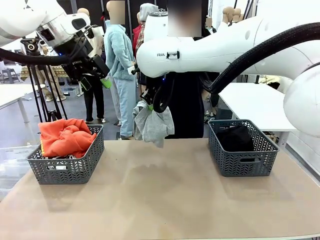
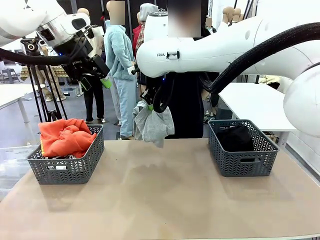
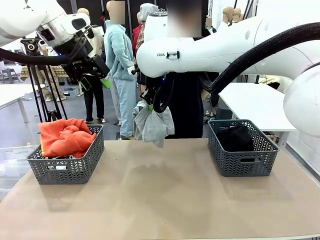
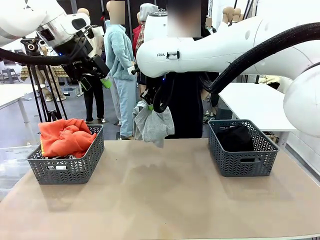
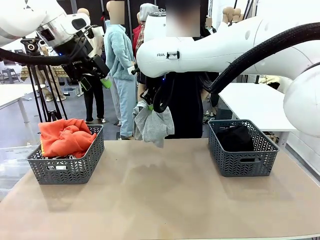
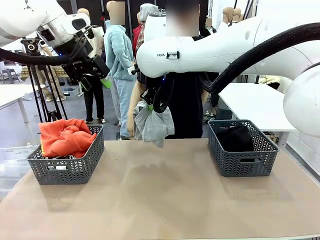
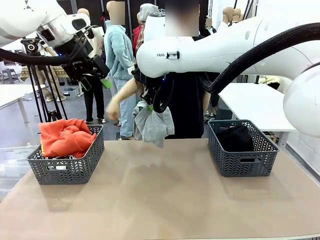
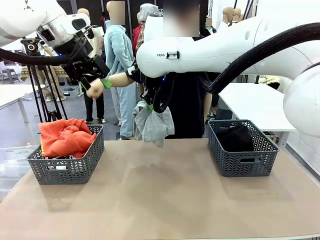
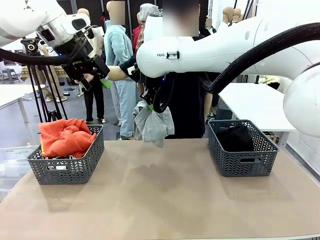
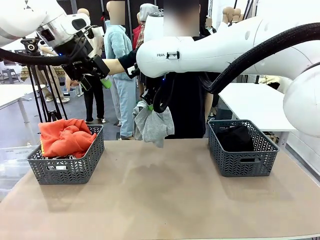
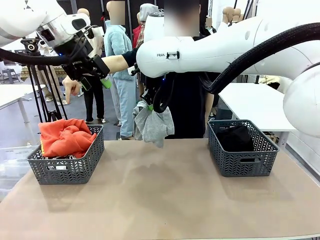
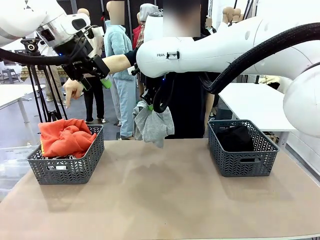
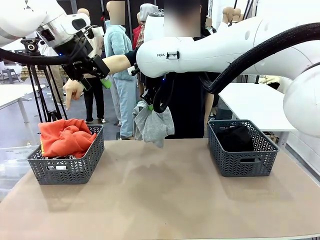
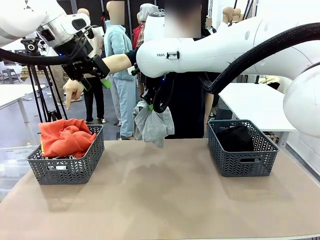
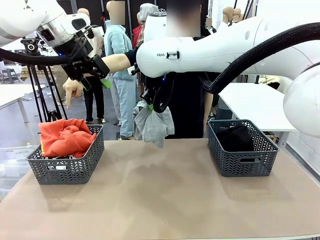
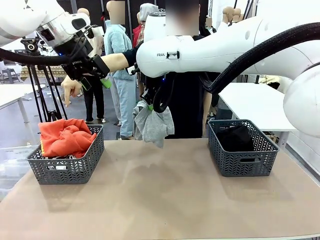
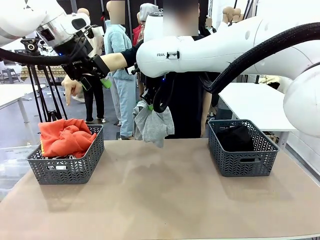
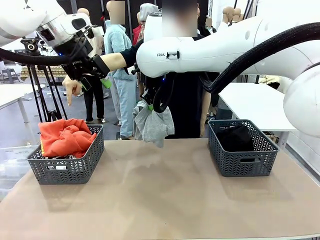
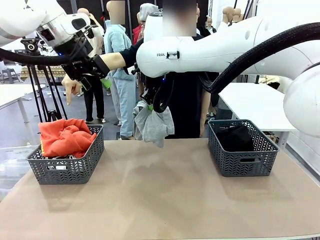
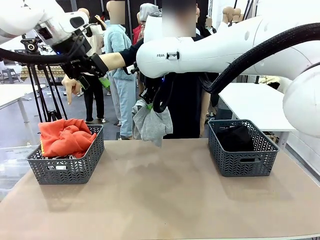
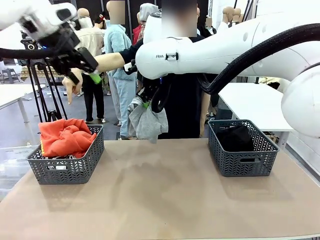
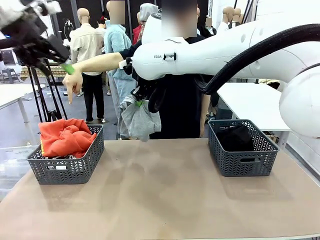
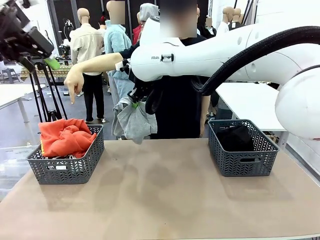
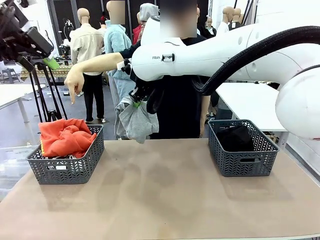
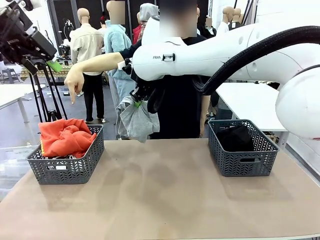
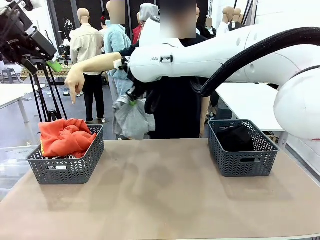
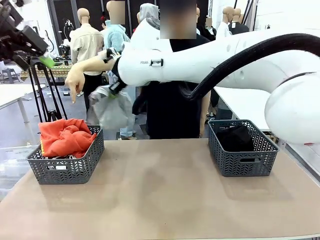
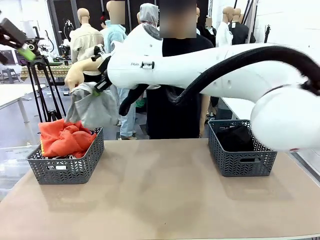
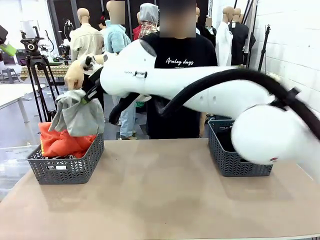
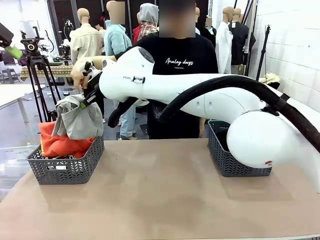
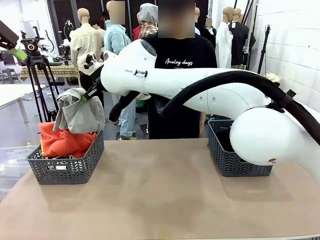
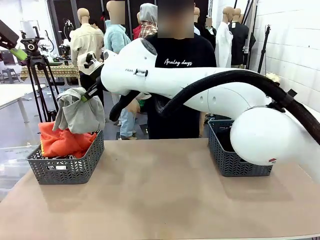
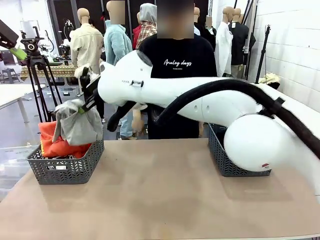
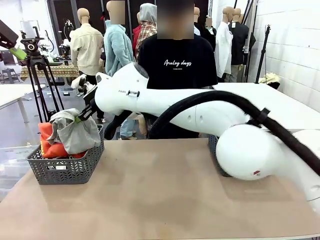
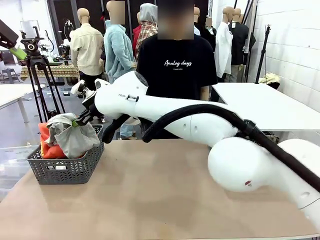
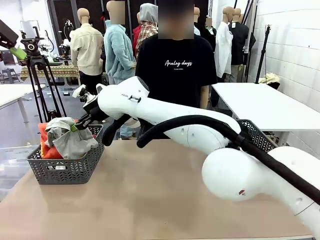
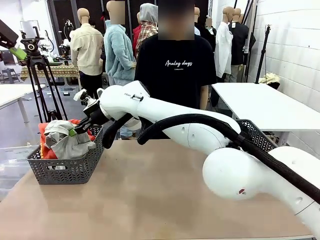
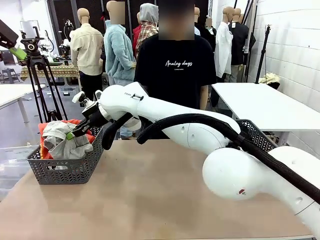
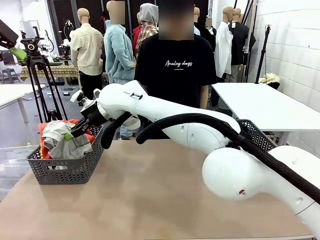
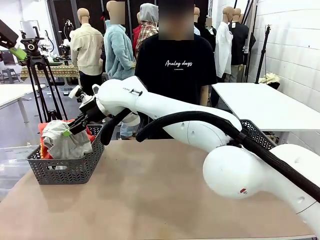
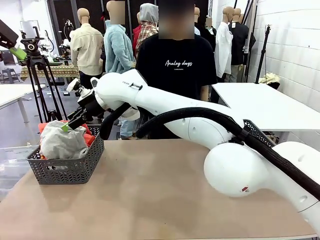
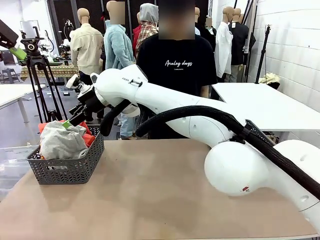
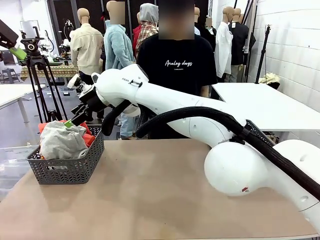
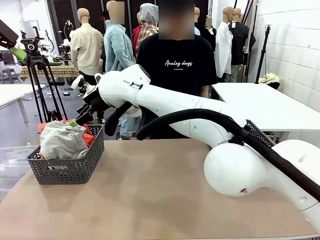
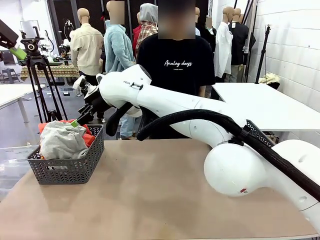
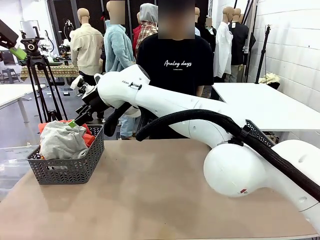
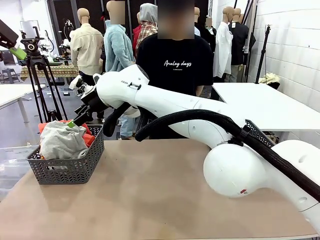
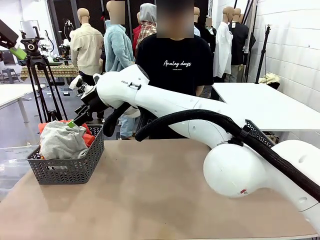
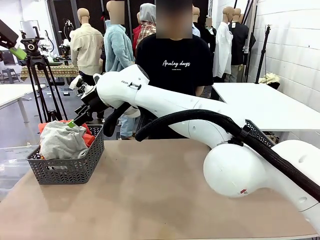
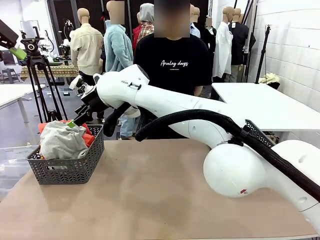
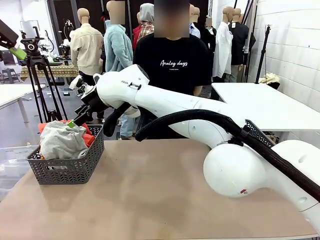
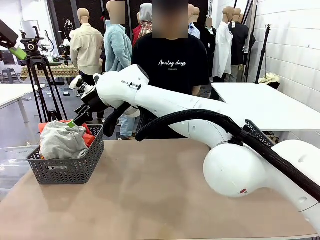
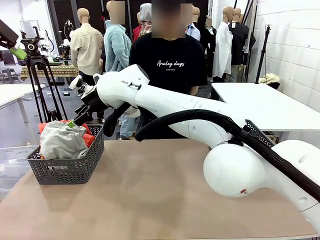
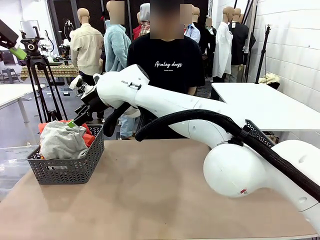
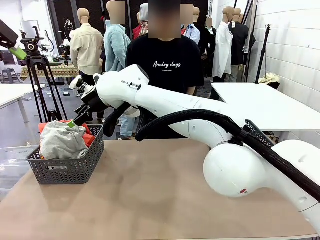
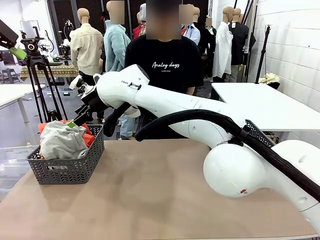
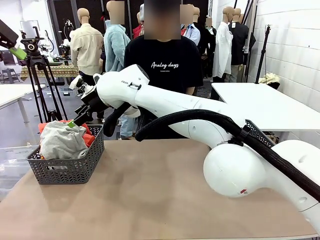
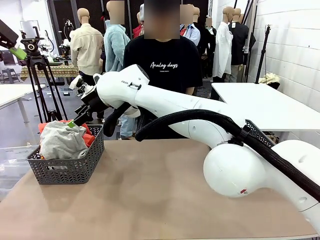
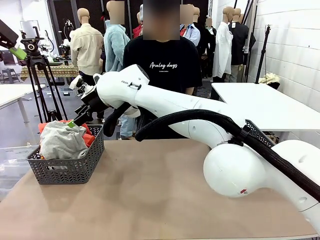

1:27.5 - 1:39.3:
Task: Sort the tops and bottoms.
Robot: Sort the clothes according to human instructions.

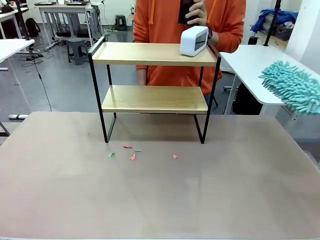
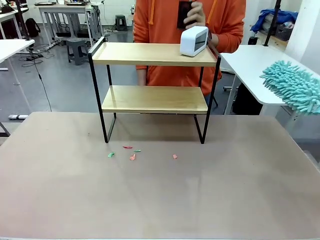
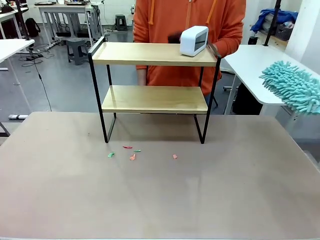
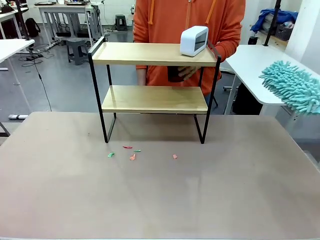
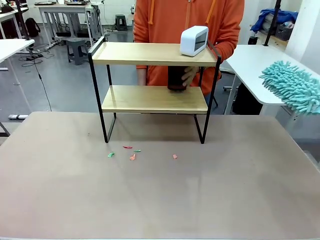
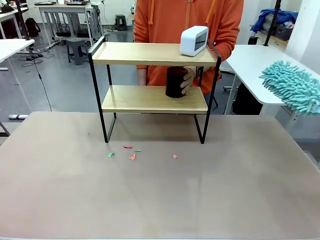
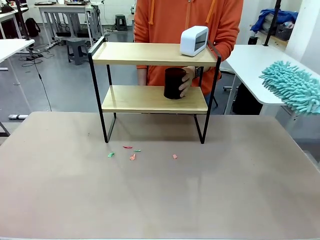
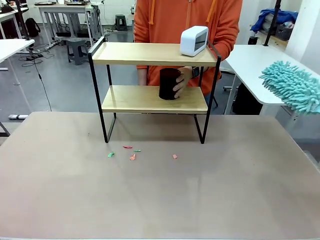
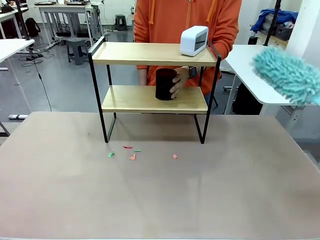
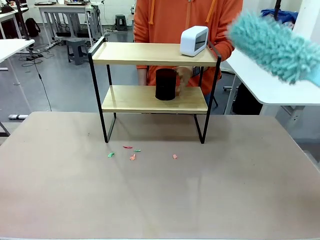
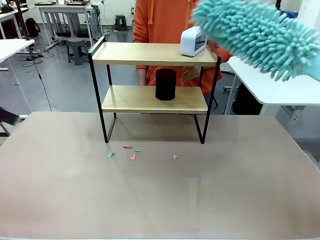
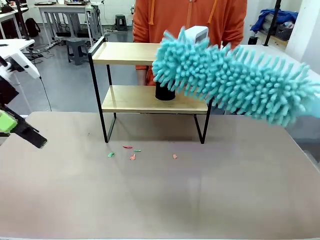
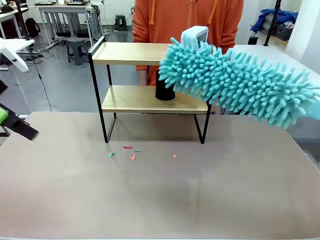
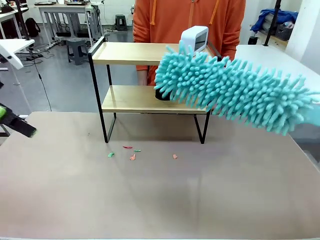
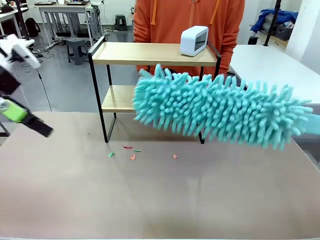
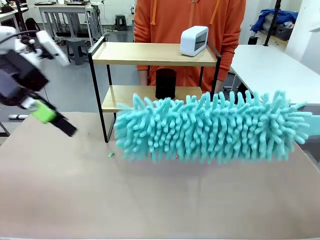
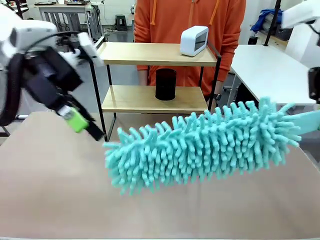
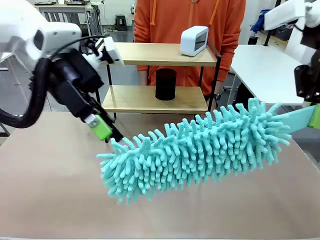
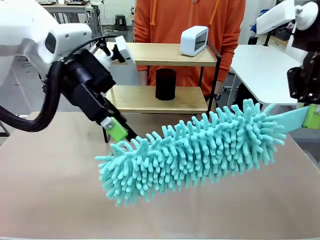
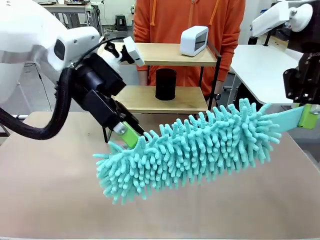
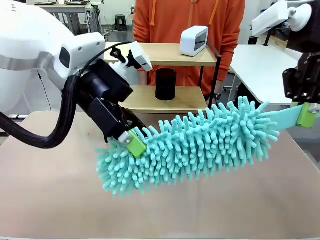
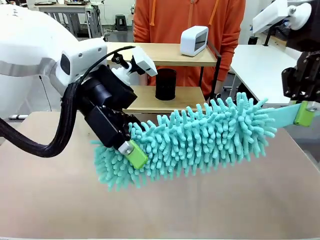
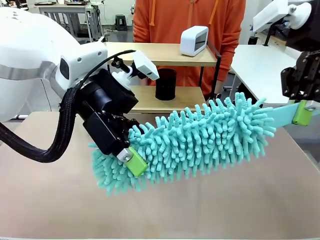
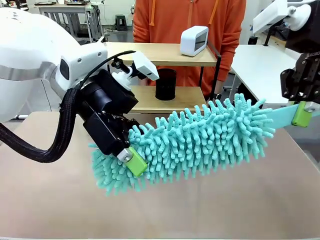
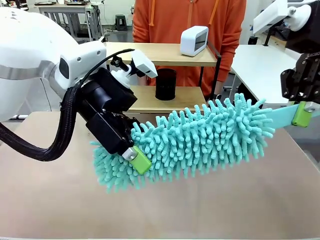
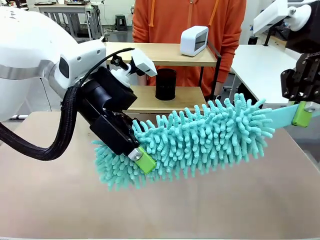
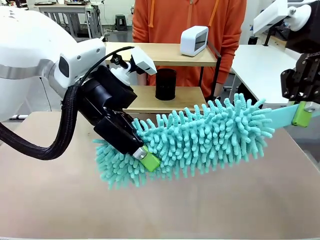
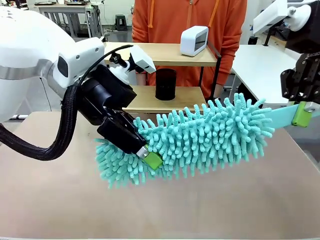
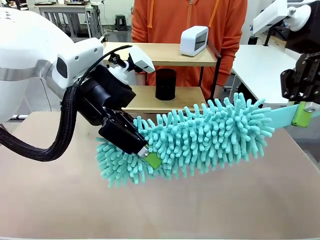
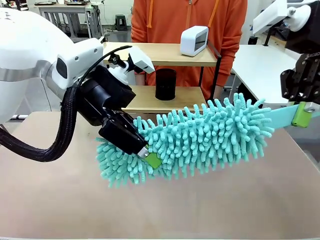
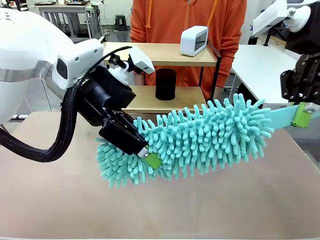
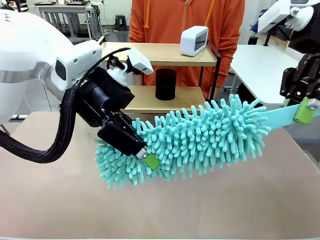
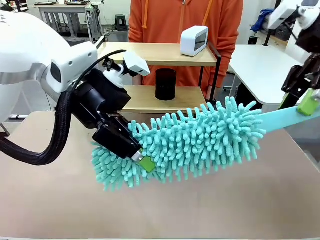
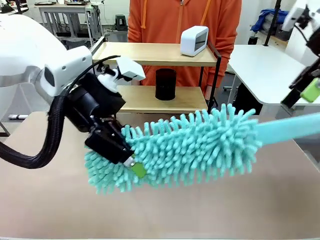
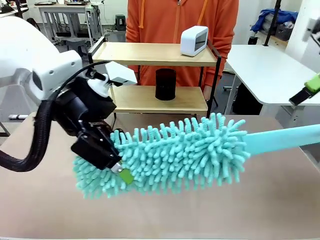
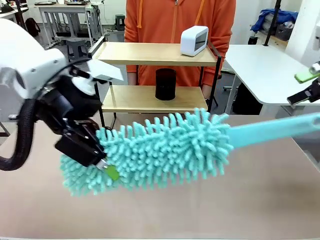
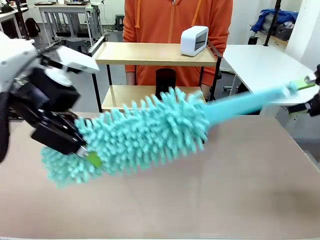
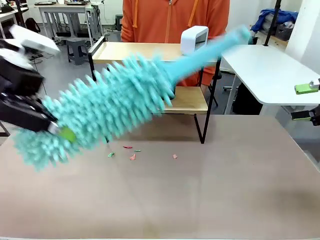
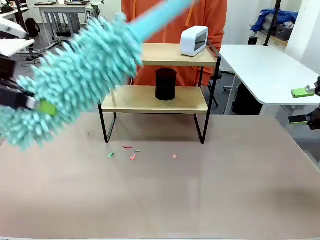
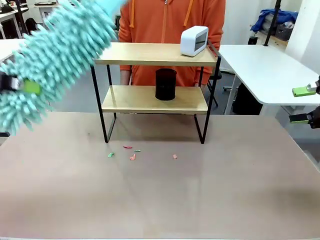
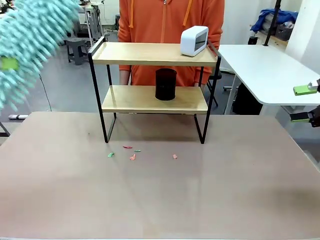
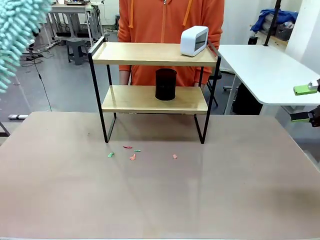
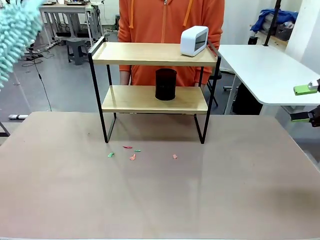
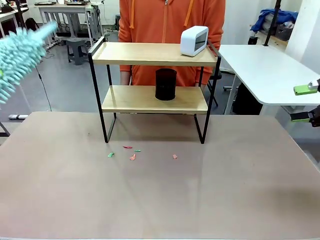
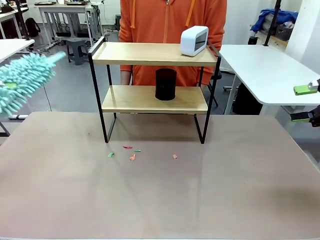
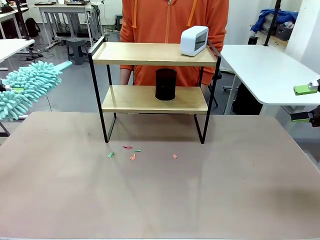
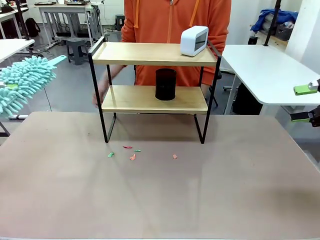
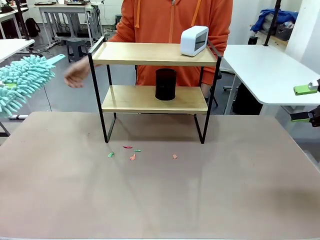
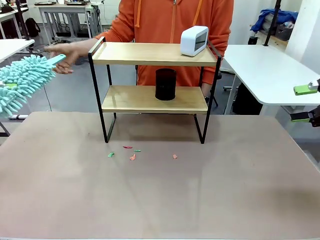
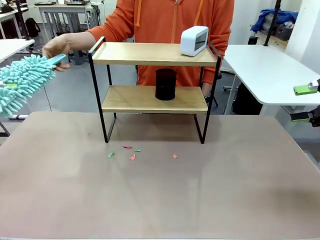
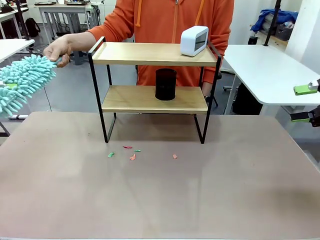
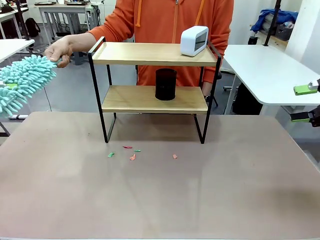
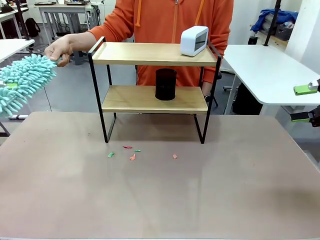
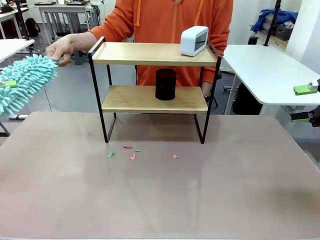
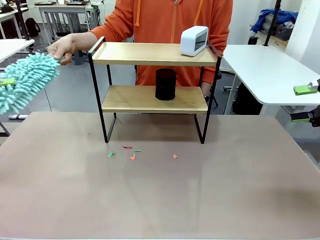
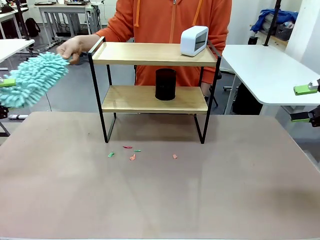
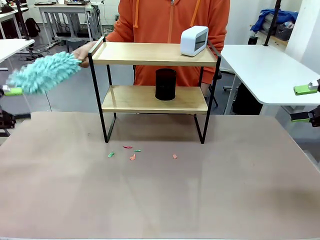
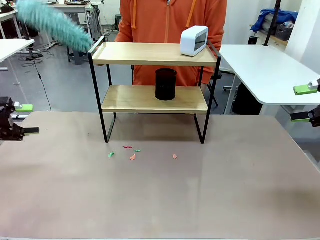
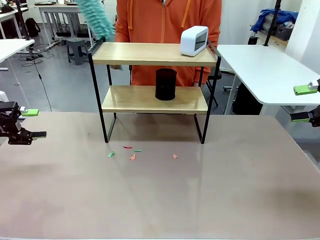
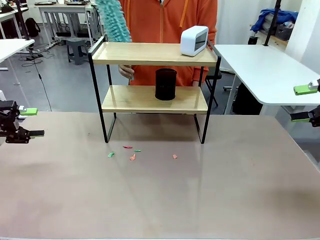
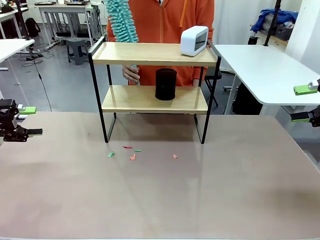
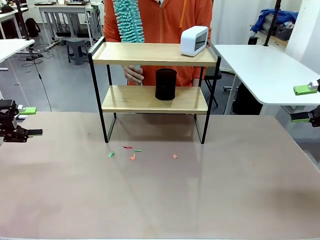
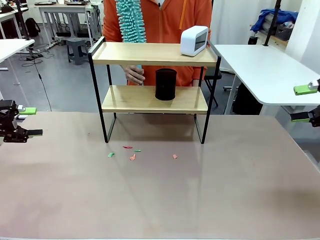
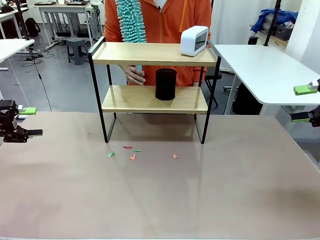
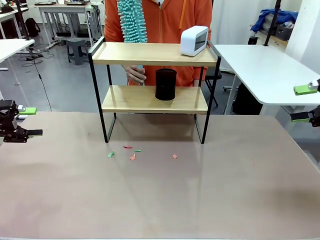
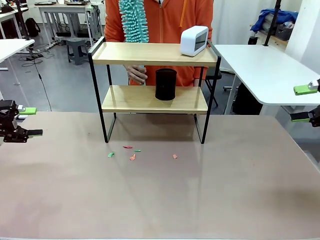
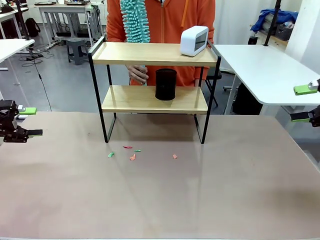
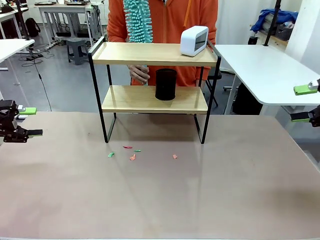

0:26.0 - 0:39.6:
Task: Clean the shelf.
Robot: Hand the Duster back to the human.
Person: Receive the Duster from the robot.
